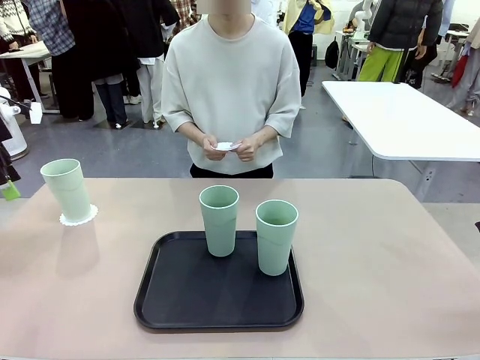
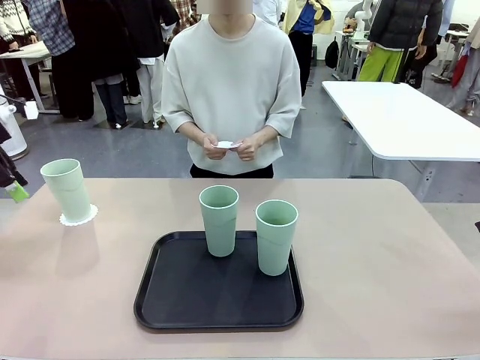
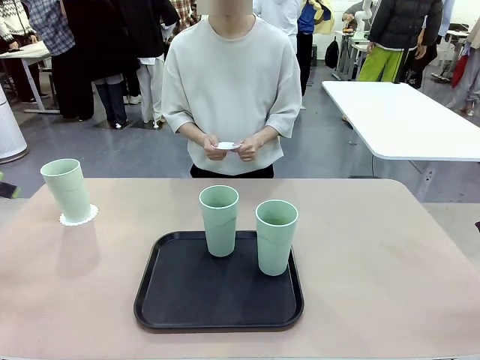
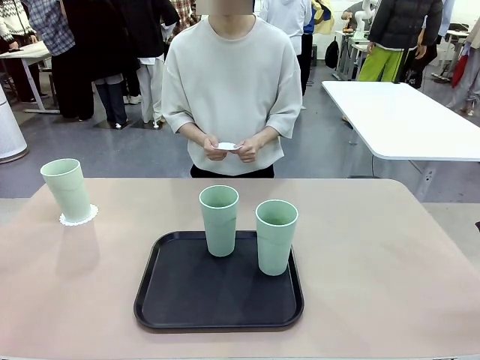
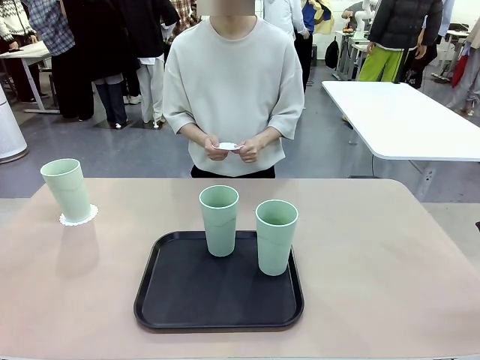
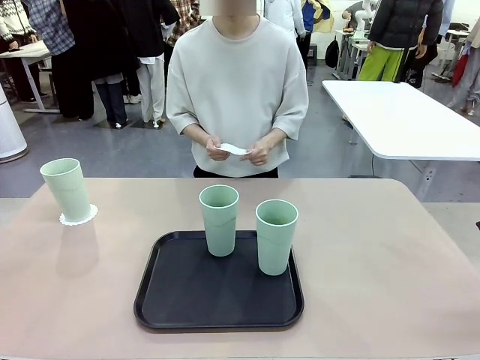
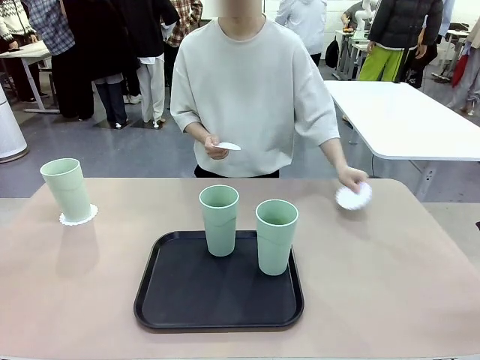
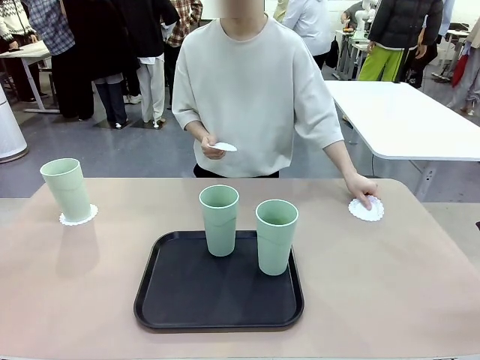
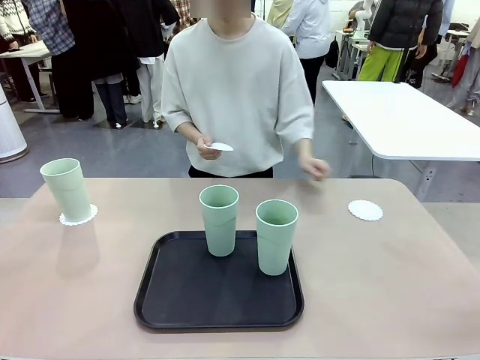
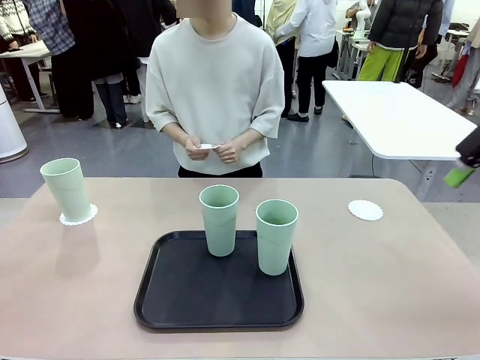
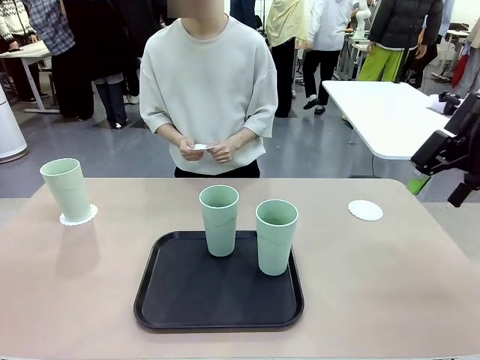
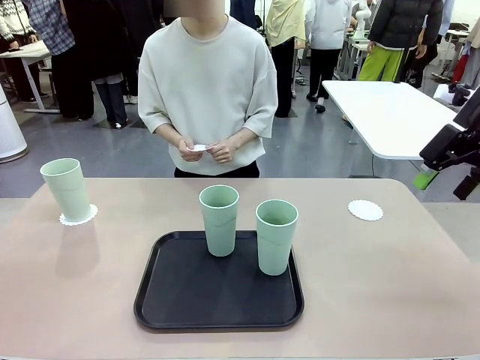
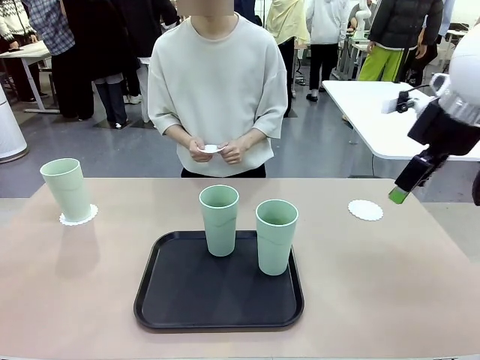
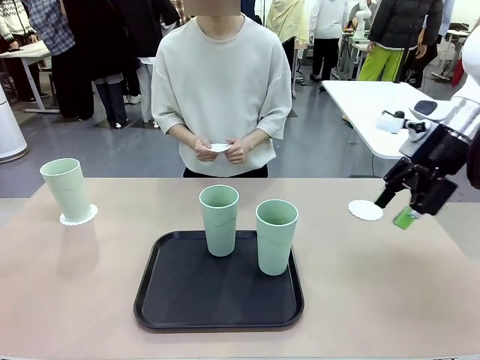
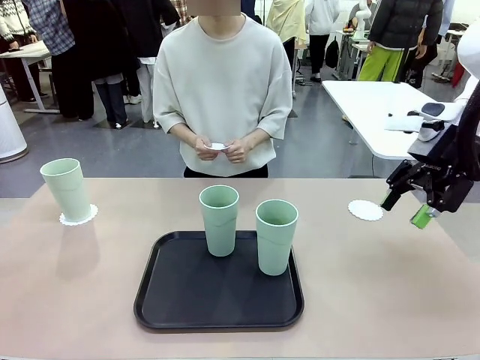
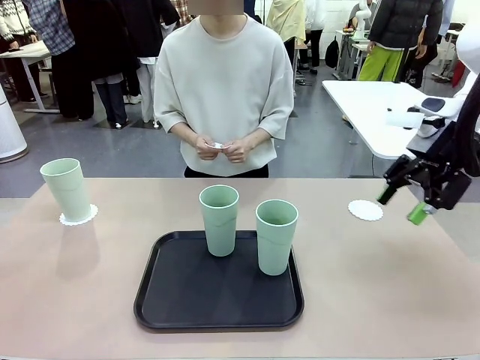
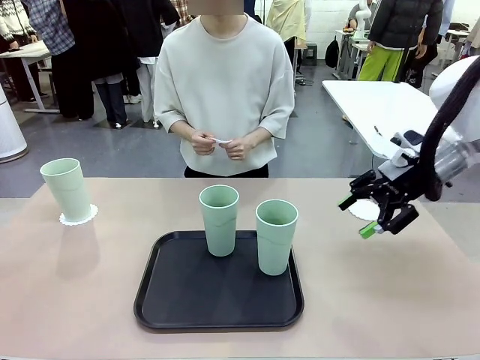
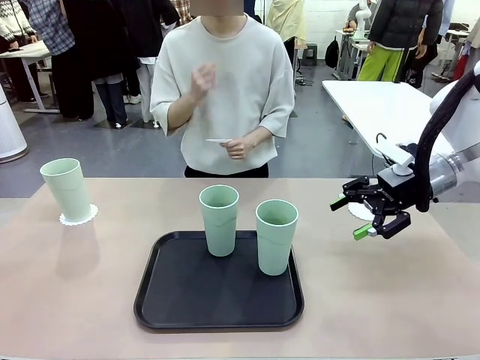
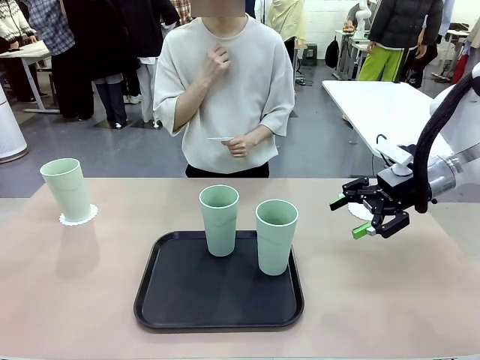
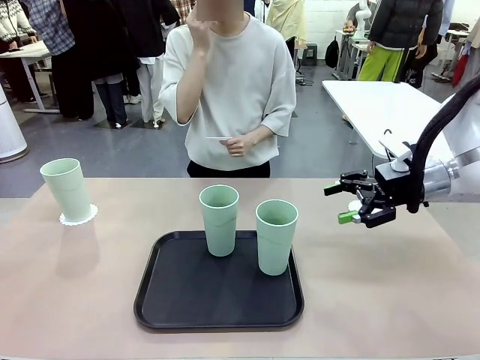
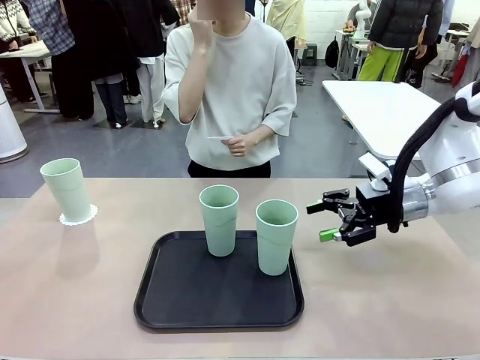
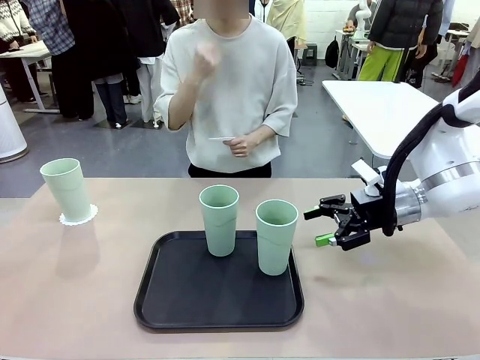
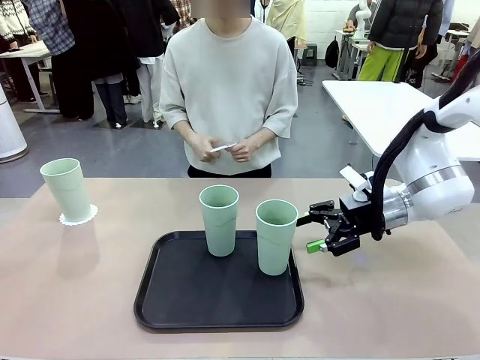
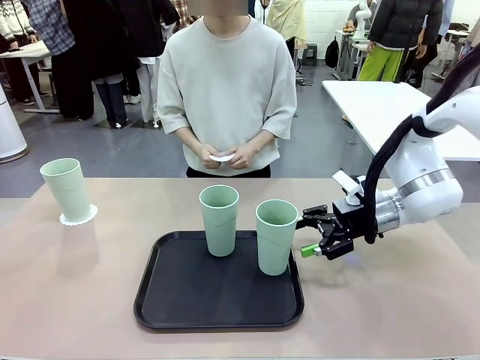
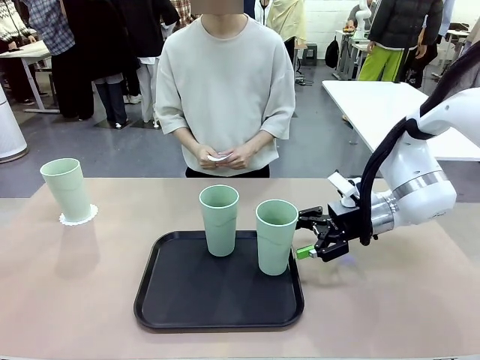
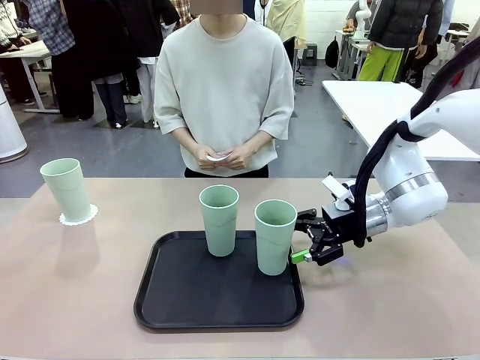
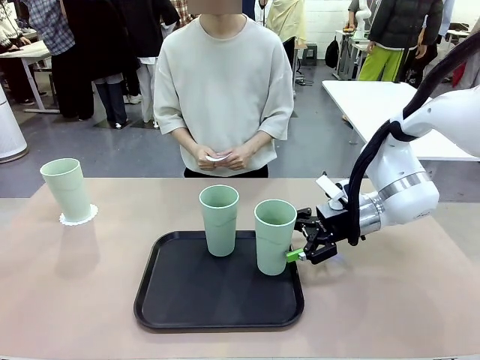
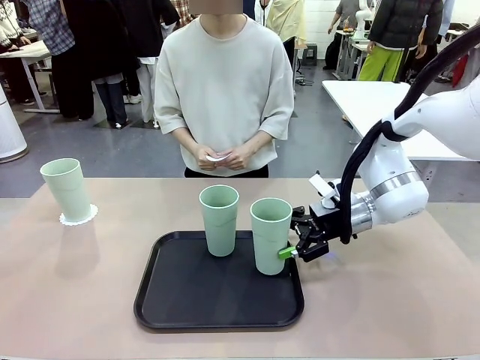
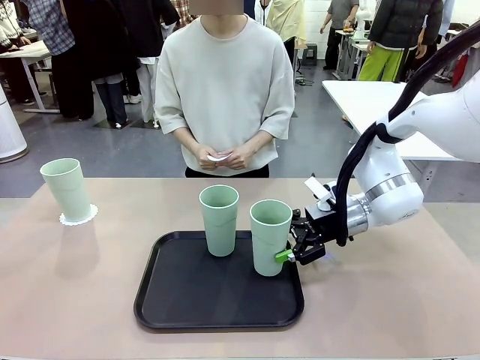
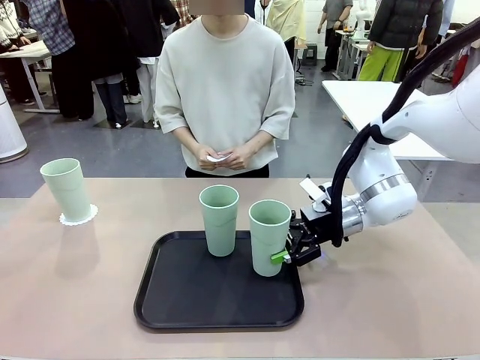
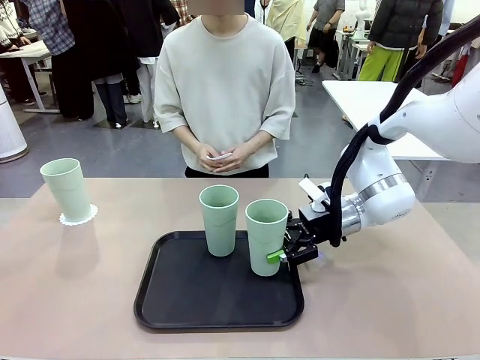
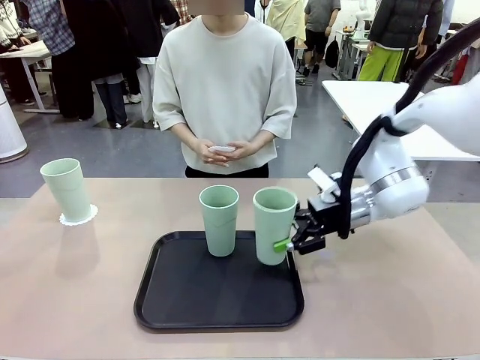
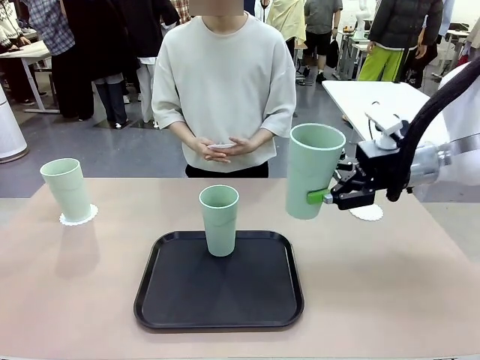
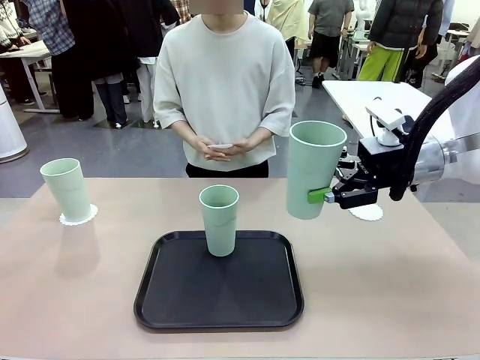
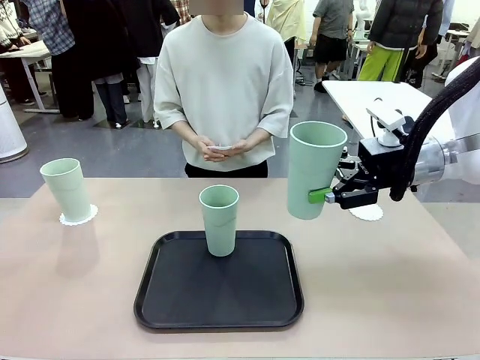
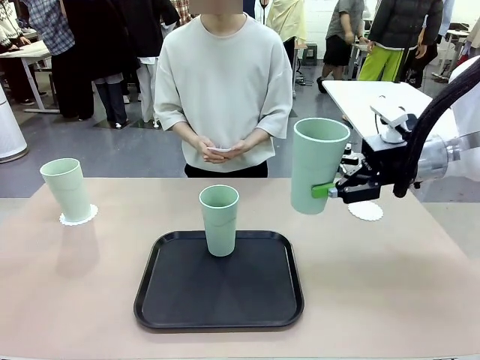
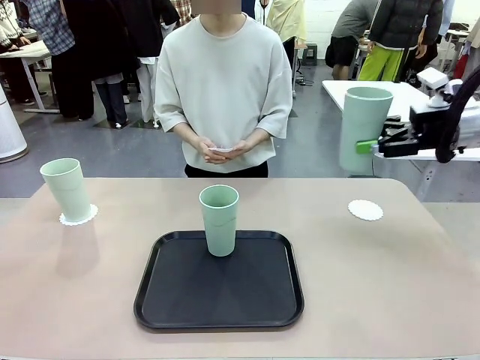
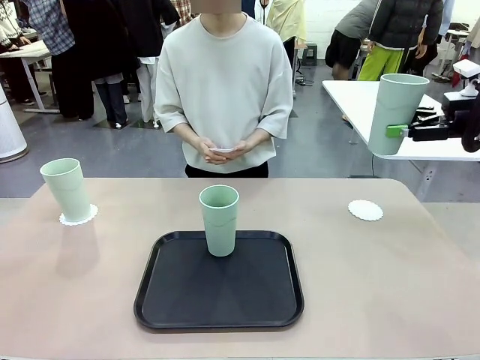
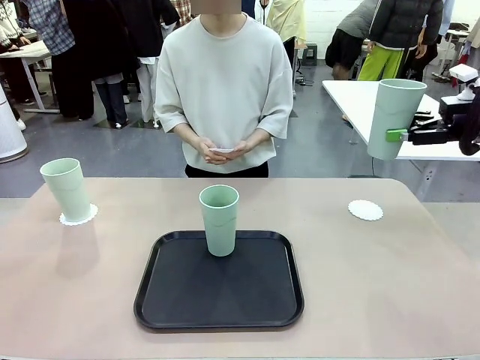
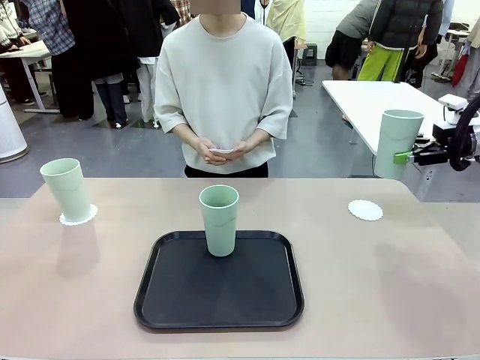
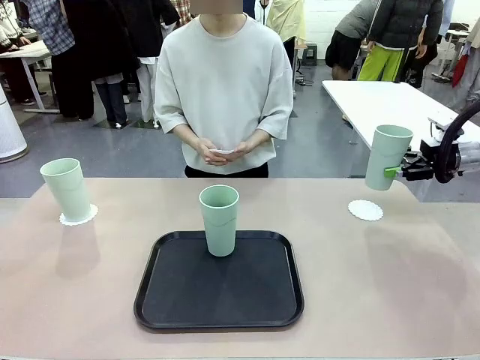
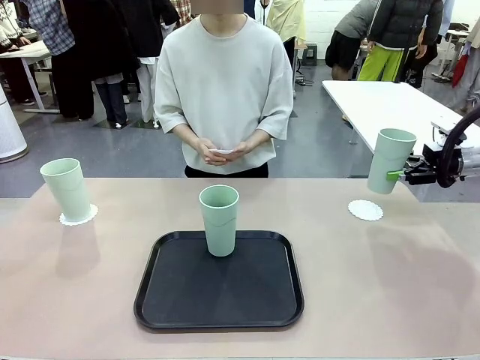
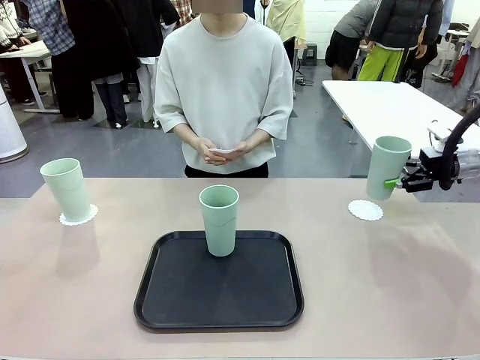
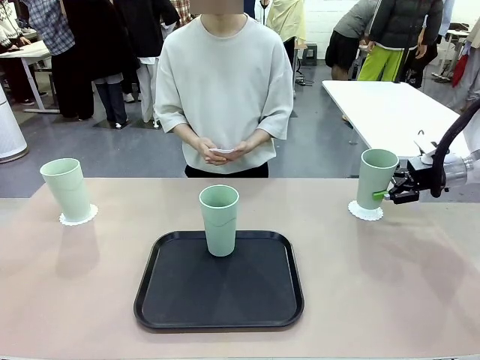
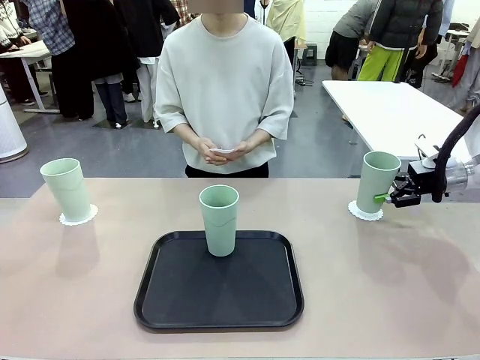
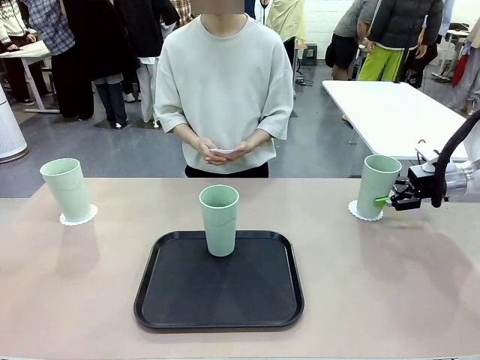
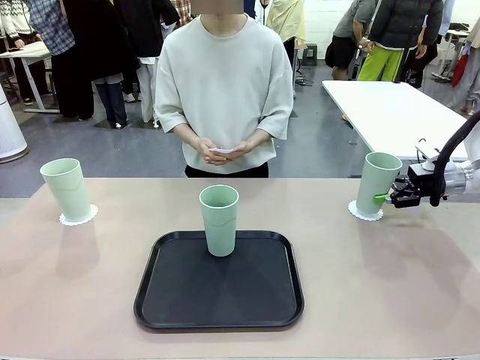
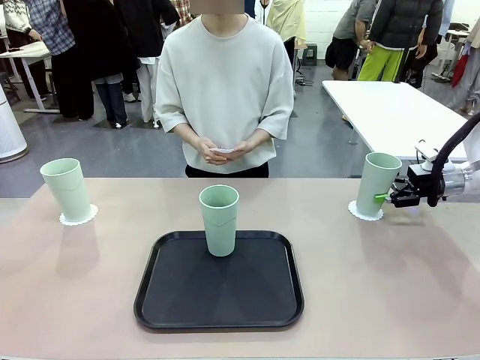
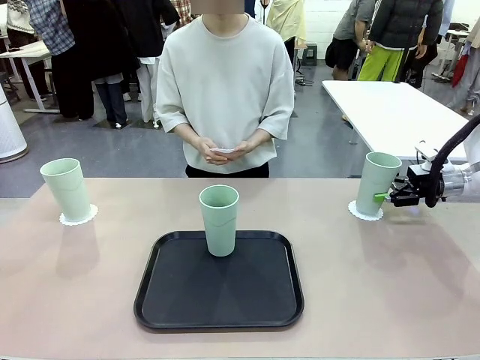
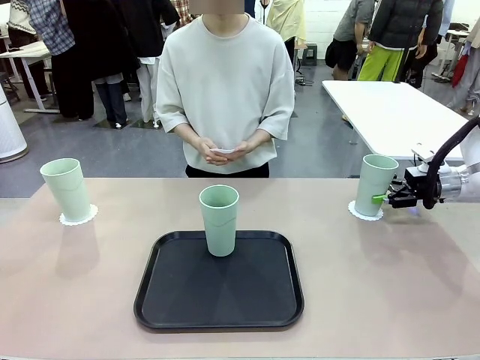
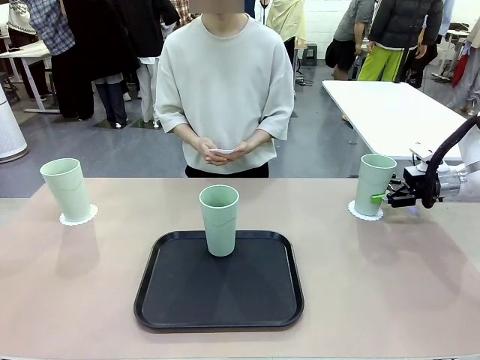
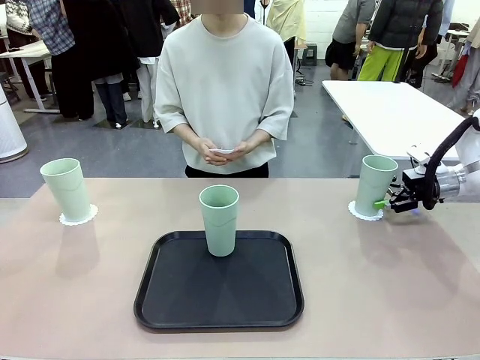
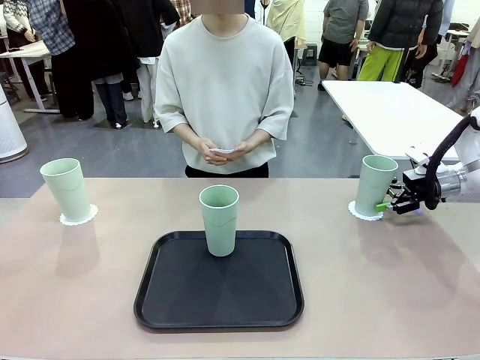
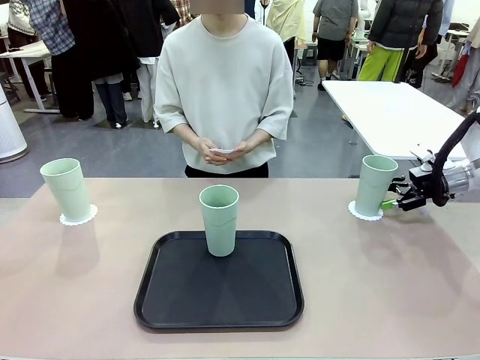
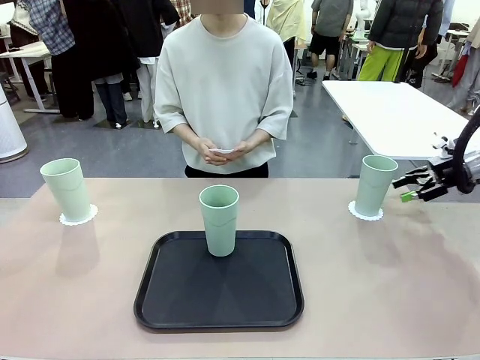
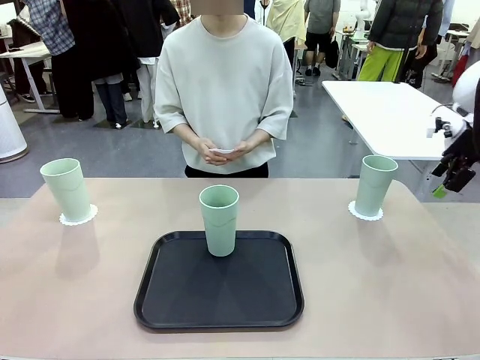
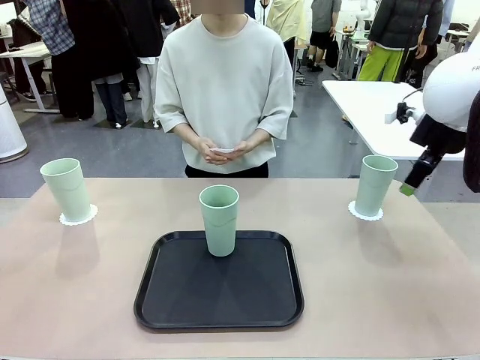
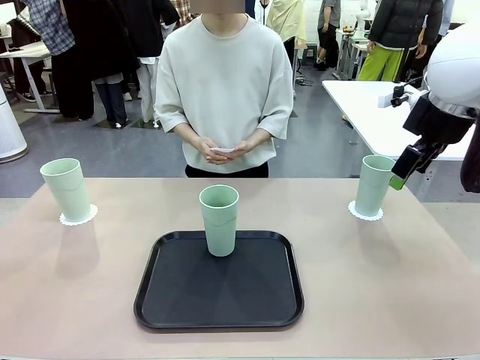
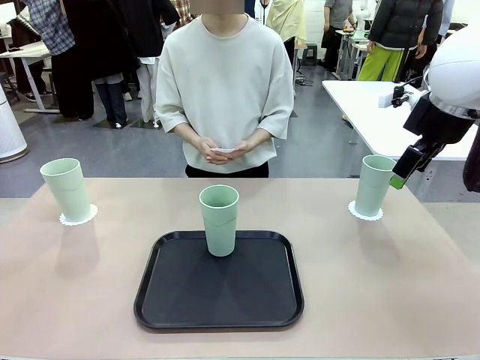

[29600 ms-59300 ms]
Task: Place coasters on the table and set cups on them.
Robot: Take one Reusable plastic cup from the Flat Tray and place it on a coaster set by the human.
